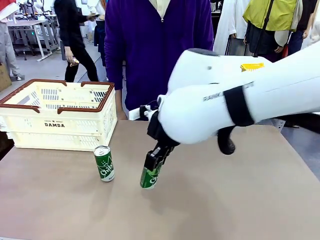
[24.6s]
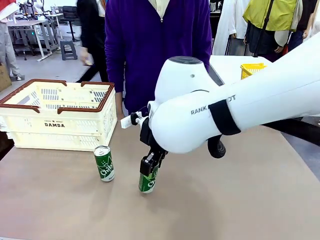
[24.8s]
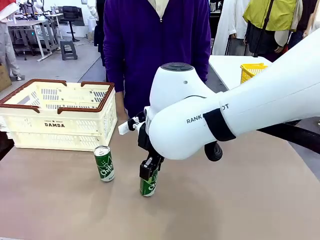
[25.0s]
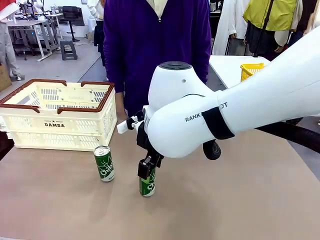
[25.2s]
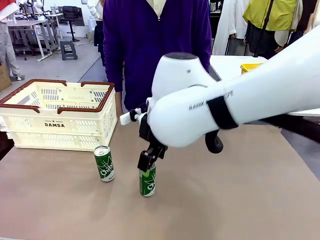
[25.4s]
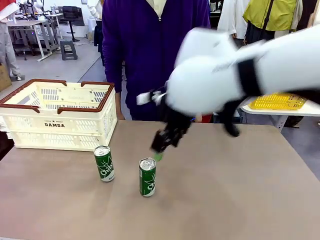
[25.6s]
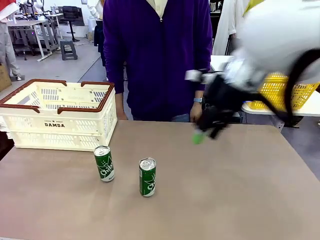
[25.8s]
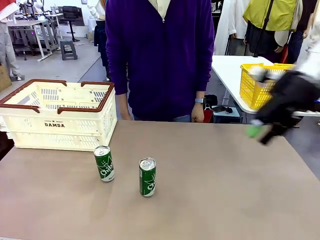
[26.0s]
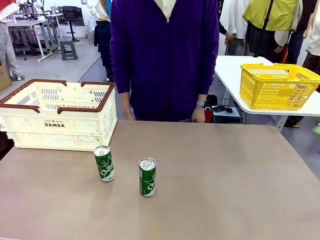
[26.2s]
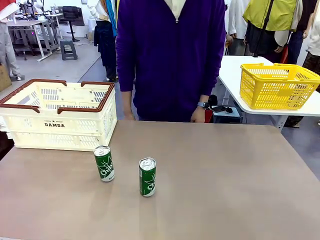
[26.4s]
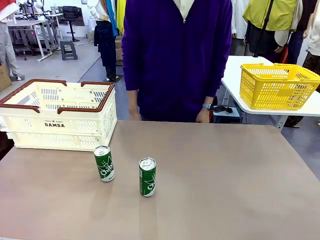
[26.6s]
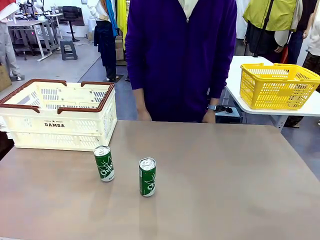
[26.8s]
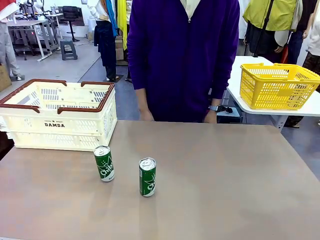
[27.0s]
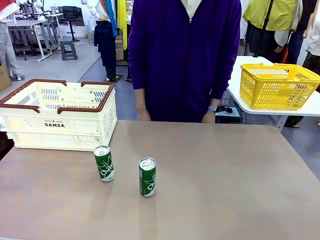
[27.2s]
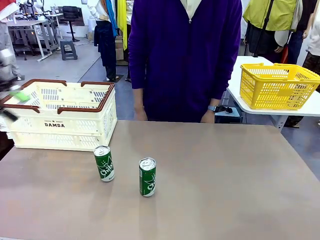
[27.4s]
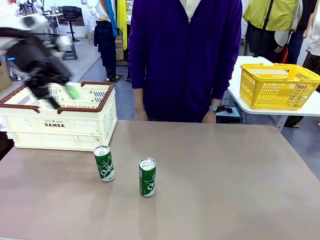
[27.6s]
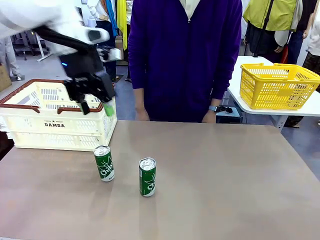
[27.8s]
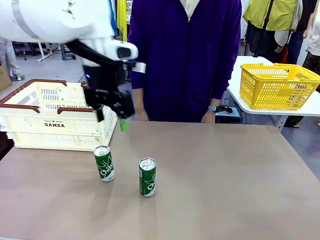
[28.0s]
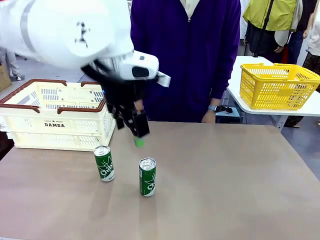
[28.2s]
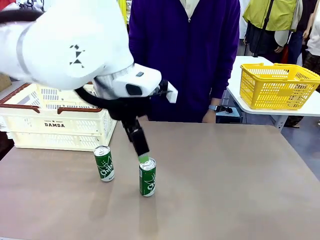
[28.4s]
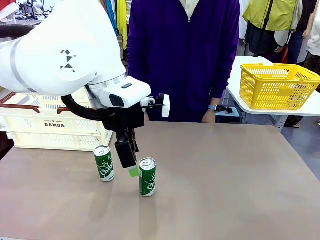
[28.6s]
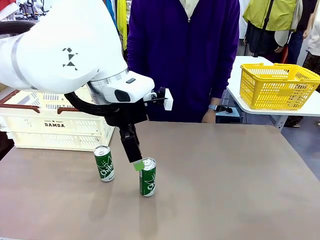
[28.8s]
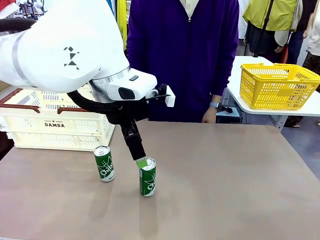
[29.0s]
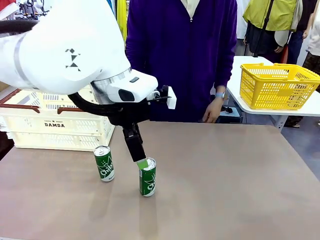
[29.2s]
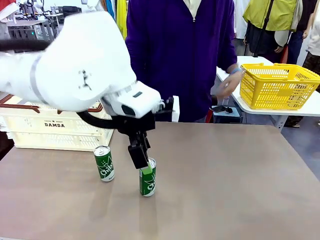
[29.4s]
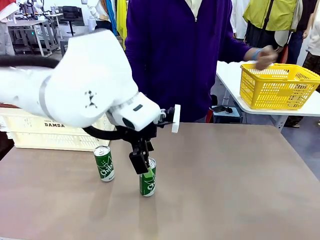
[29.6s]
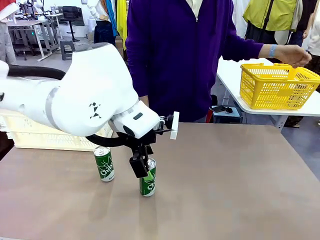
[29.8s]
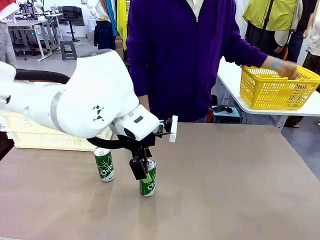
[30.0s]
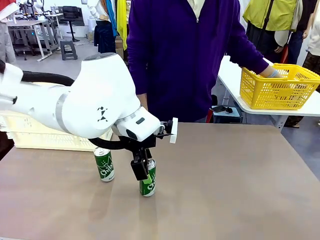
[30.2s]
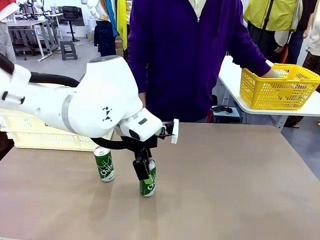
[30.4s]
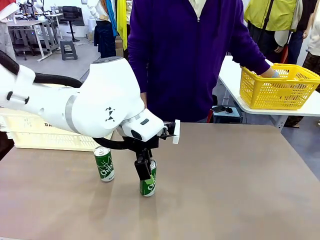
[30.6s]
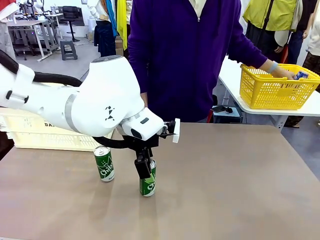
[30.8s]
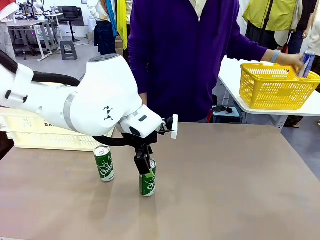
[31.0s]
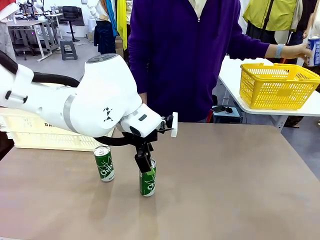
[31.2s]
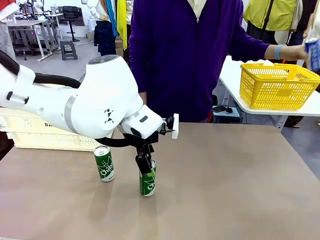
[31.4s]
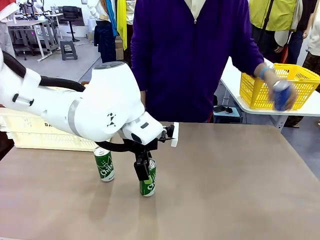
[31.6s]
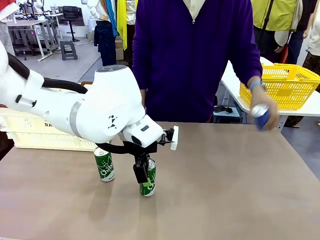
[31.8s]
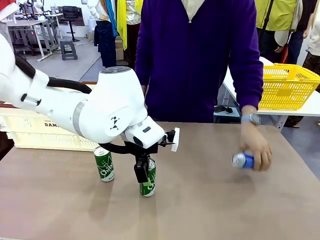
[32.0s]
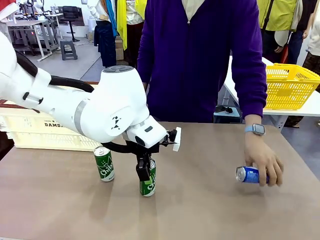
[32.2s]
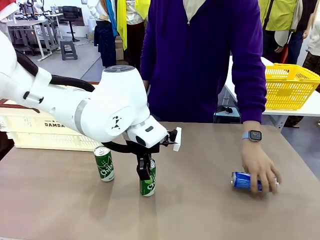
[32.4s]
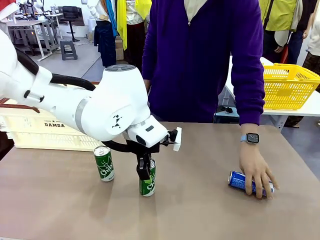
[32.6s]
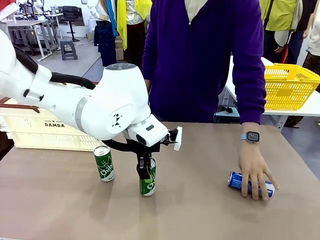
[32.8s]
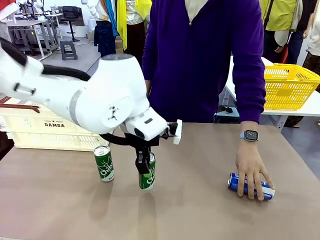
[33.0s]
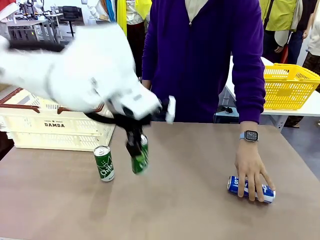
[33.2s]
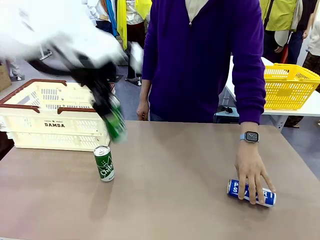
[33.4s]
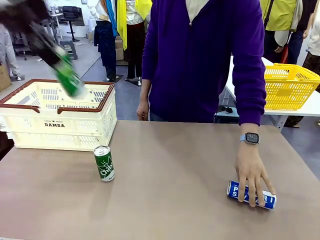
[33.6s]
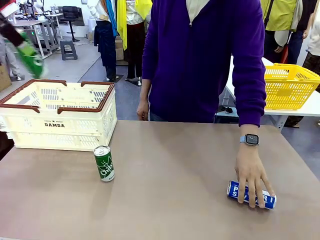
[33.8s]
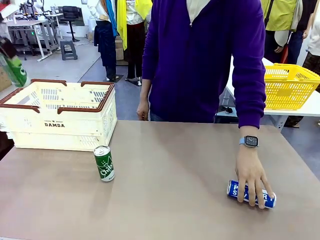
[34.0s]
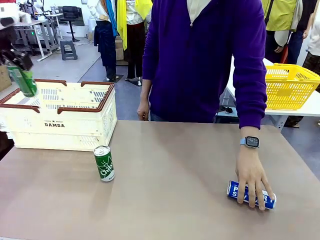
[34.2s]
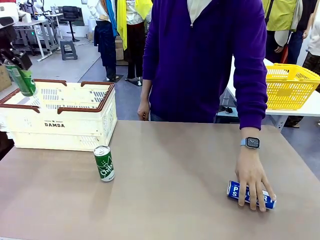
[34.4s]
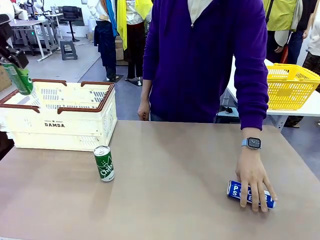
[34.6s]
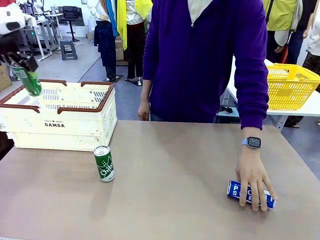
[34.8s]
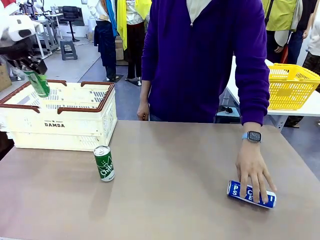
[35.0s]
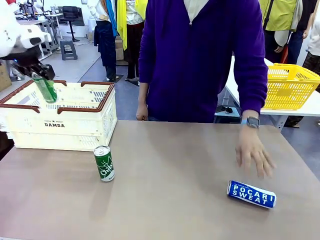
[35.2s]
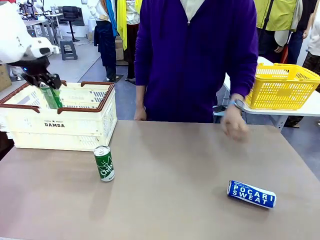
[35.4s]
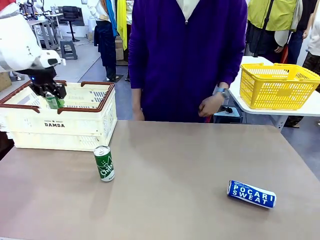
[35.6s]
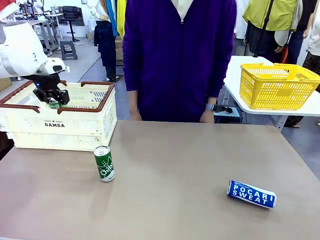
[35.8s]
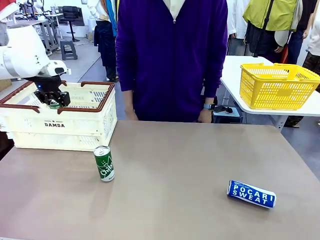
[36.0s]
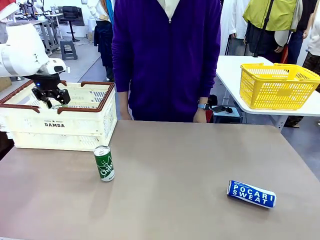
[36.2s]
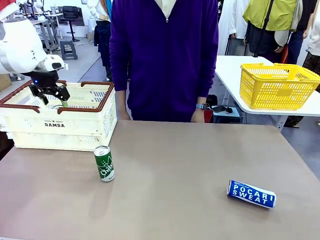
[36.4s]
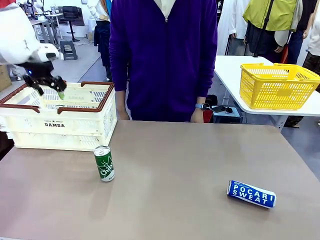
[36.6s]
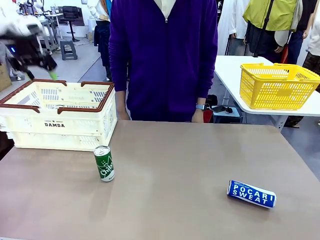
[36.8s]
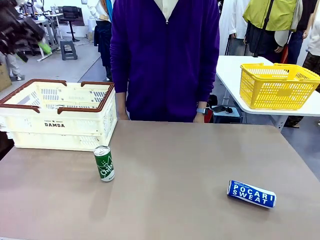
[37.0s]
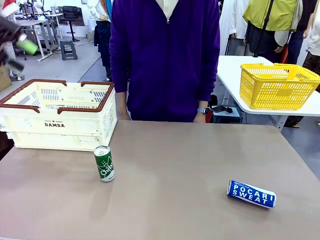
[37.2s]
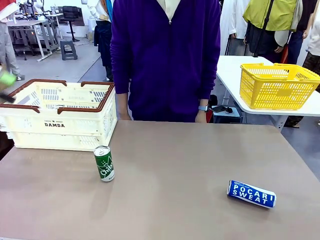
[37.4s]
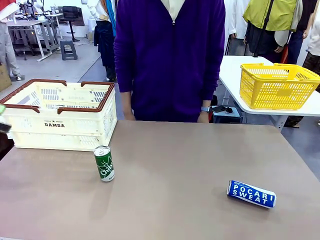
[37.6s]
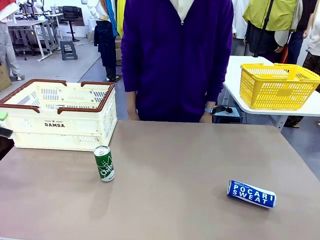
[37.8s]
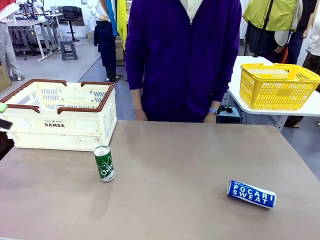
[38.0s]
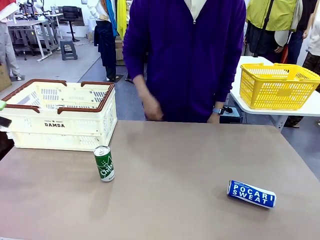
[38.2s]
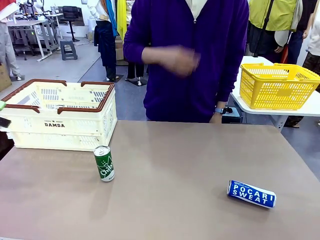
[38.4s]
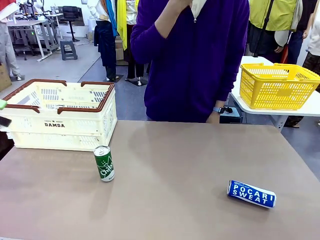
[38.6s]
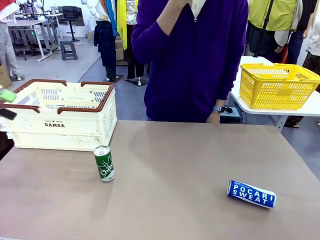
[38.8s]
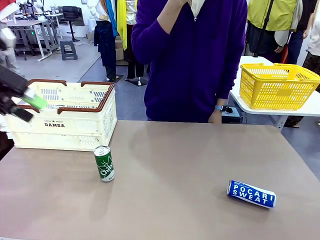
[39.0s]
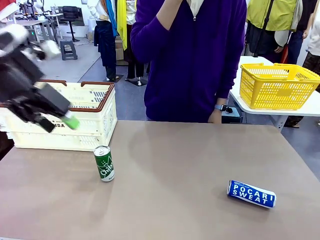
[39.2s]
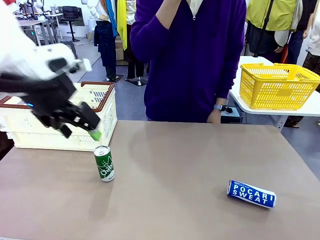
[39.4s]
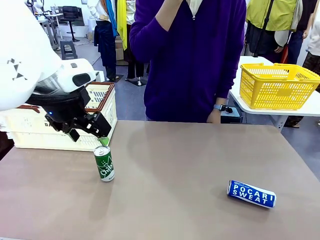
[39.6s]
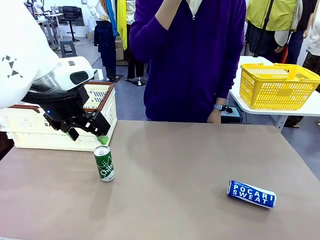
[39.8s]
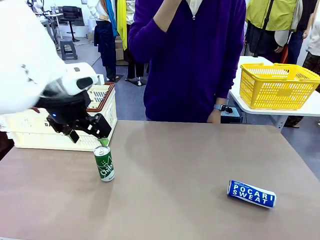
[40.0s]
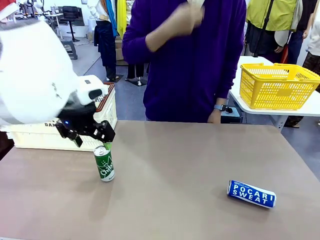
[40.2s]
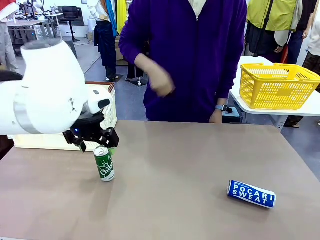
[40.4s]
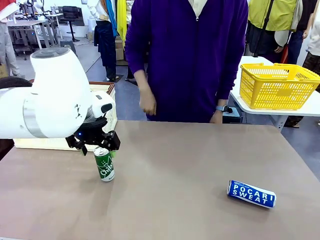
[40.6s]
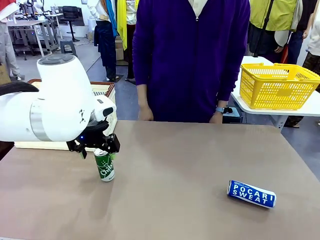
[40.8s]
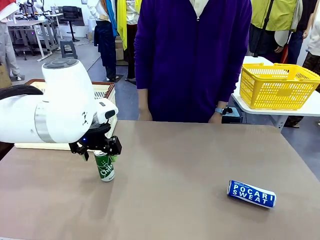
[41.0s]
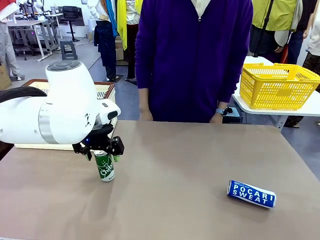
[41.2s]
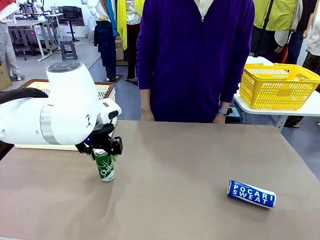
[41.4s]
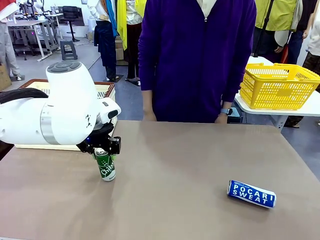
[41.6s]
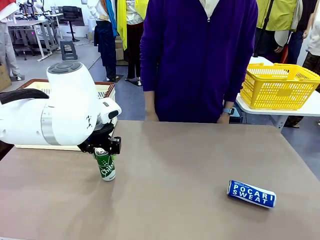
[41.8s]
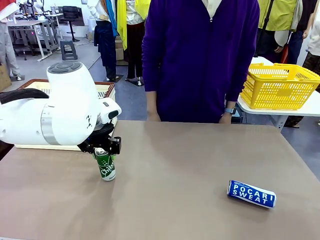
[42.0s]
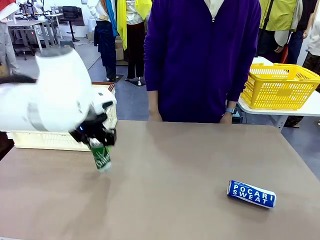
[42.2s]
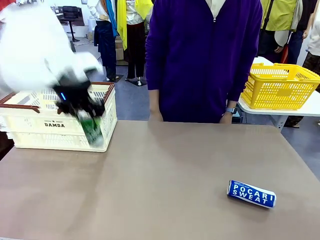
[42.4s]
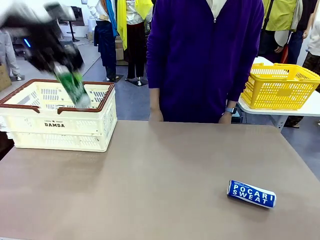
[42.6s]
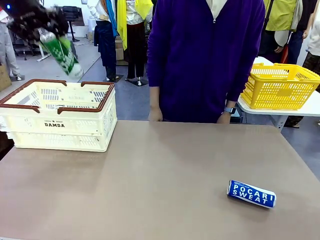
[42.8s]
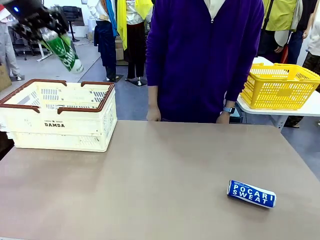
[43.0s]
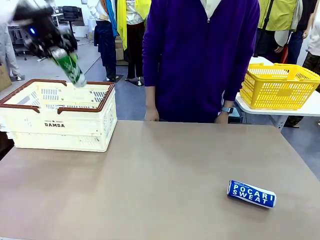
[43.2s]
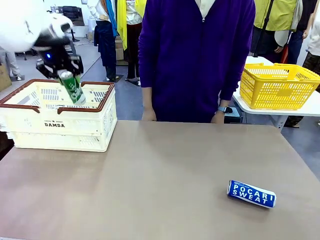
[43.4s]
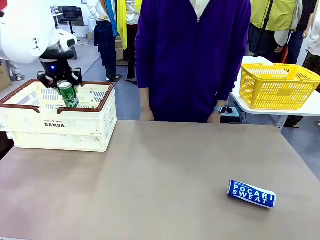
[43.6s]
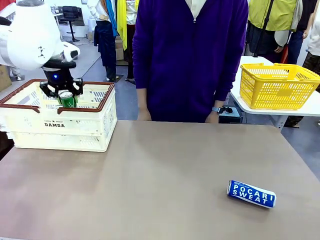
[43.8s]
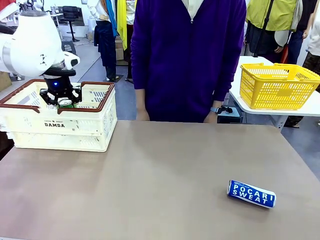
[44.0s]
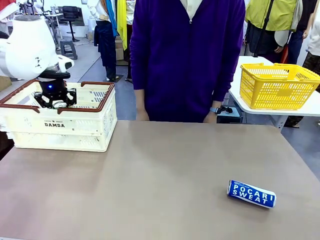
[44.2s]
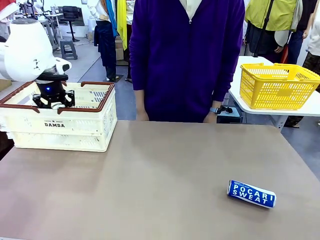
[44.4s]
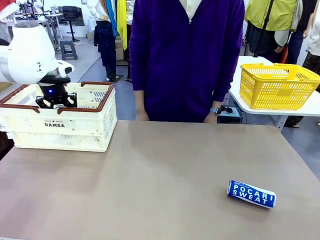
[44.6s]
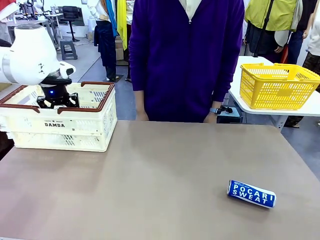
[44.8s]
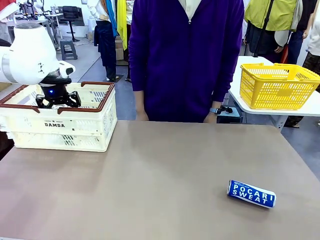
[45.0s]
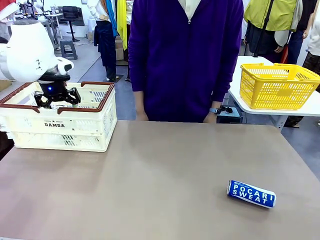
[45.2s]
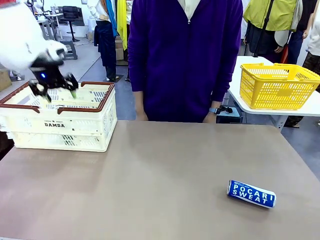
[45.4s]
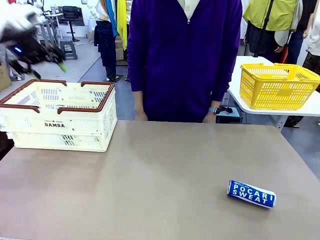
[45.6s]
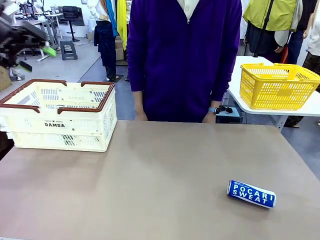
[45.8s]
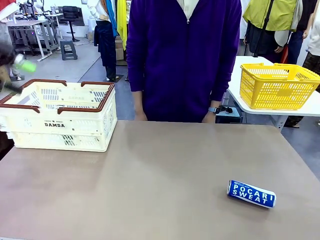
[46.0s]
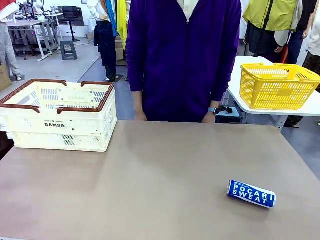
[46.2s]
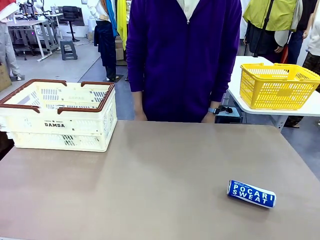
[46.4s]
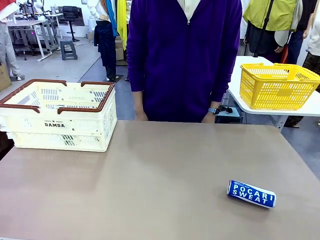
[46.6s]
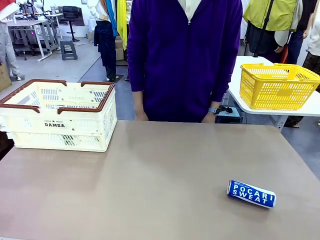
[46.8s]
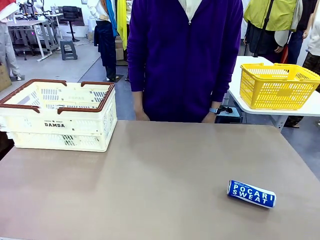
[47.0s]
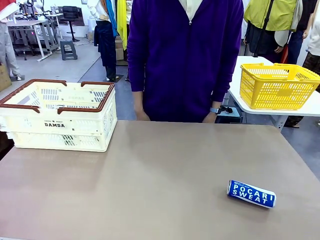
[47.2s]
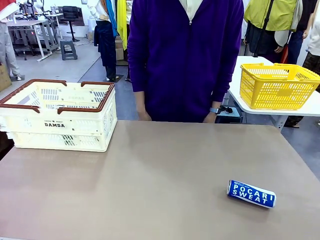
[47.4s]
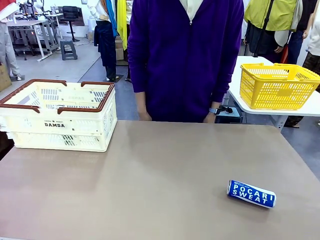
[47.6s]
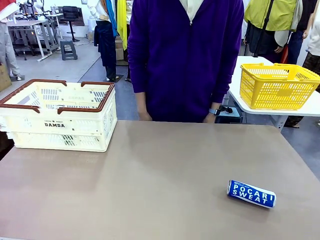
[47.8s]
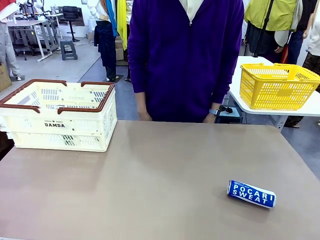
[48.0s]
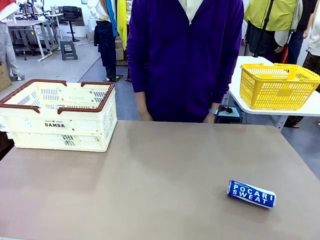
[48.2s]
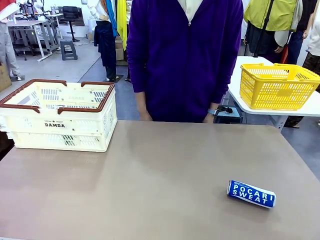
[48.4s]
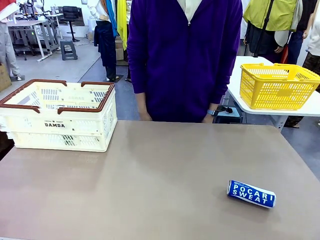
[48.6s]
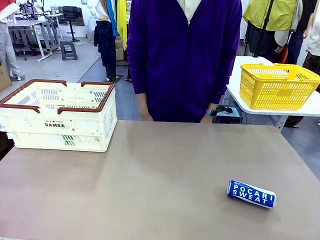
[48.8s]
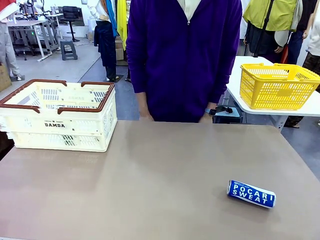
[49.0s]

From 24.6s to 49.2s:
Task: Place the drinks into the Shopping basket.
Robot: Pick up one drink and place it into the Shopping basket.
